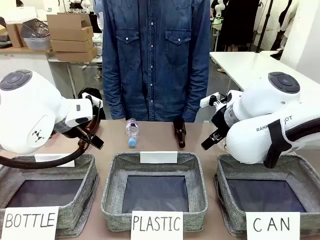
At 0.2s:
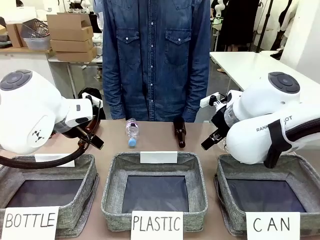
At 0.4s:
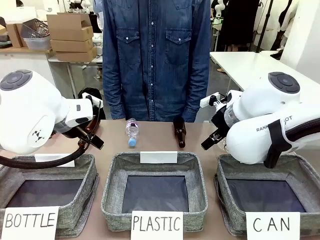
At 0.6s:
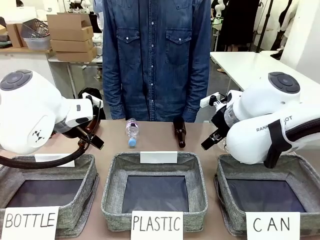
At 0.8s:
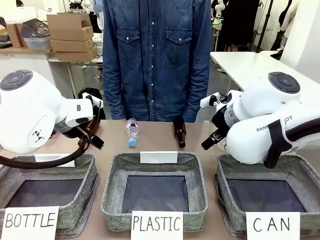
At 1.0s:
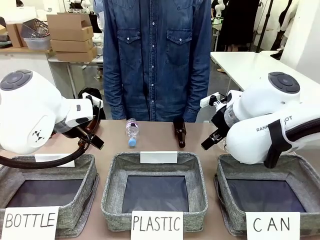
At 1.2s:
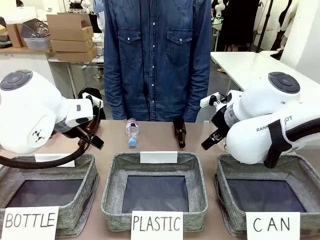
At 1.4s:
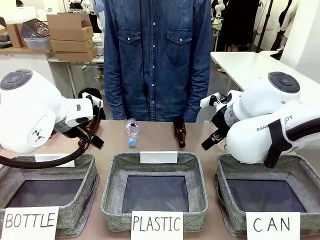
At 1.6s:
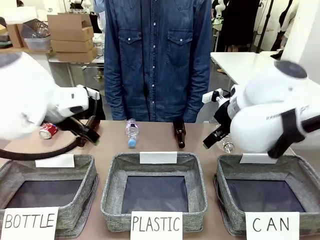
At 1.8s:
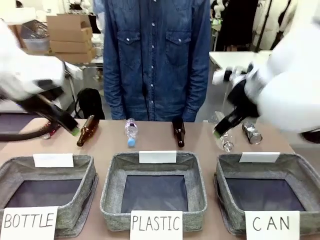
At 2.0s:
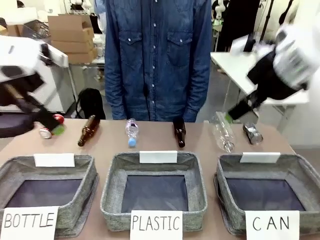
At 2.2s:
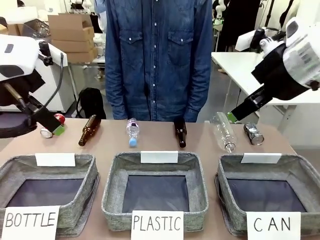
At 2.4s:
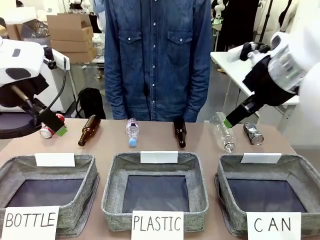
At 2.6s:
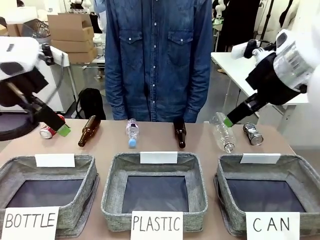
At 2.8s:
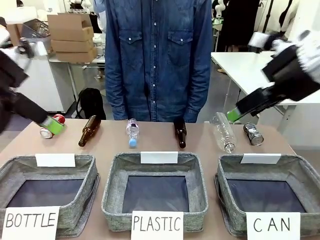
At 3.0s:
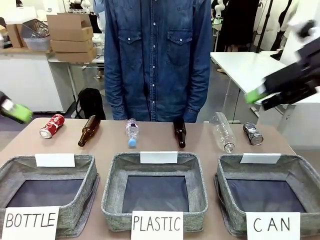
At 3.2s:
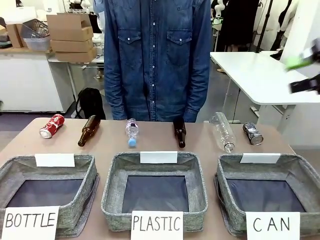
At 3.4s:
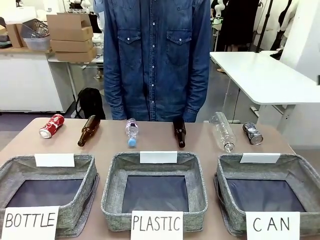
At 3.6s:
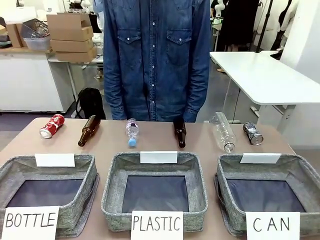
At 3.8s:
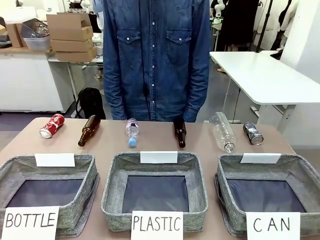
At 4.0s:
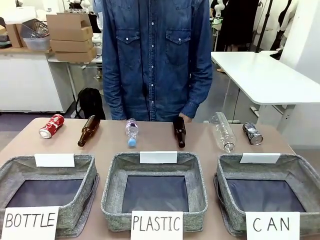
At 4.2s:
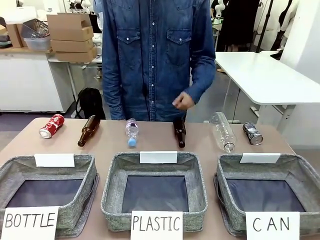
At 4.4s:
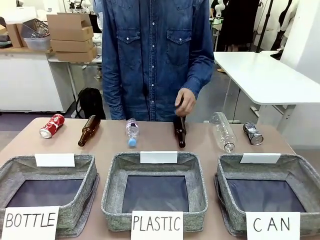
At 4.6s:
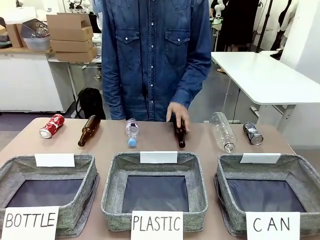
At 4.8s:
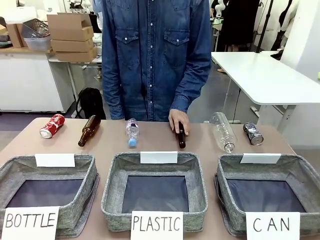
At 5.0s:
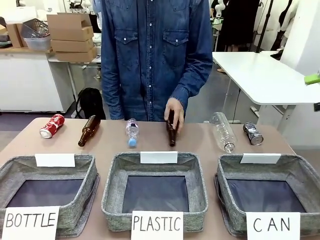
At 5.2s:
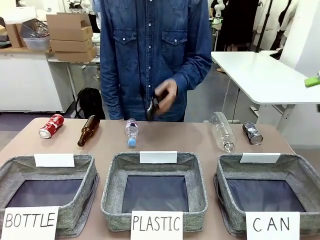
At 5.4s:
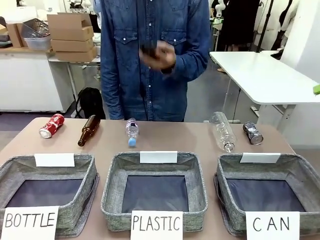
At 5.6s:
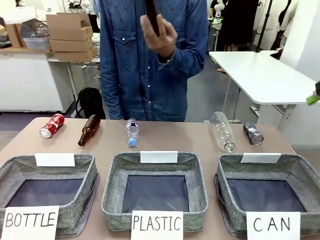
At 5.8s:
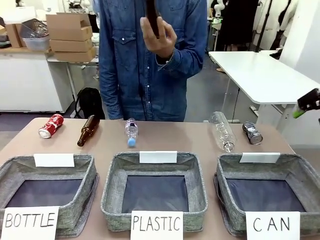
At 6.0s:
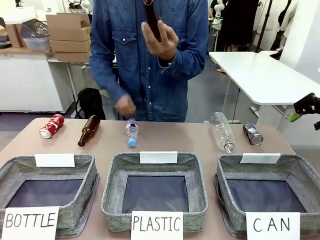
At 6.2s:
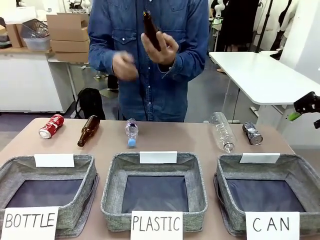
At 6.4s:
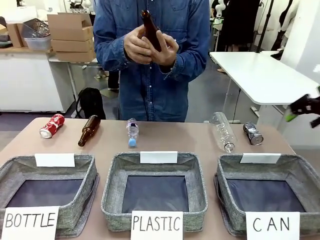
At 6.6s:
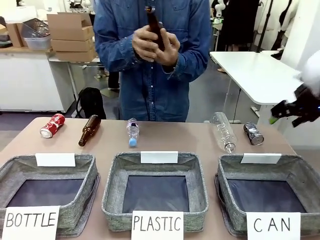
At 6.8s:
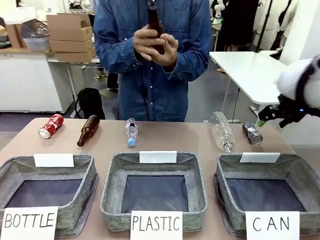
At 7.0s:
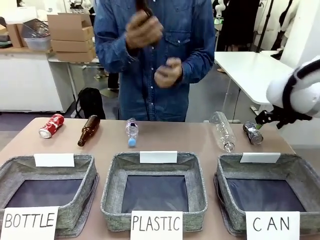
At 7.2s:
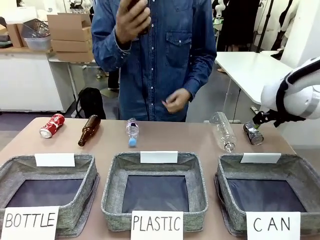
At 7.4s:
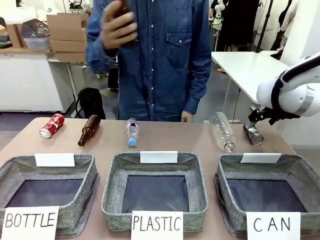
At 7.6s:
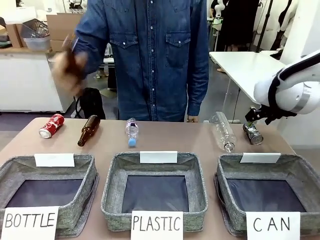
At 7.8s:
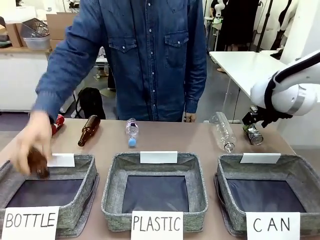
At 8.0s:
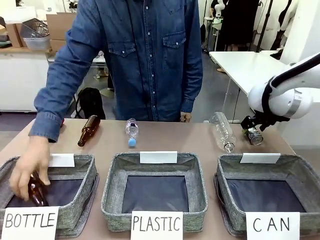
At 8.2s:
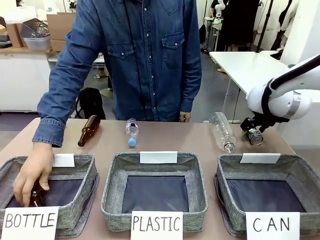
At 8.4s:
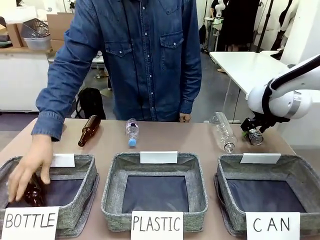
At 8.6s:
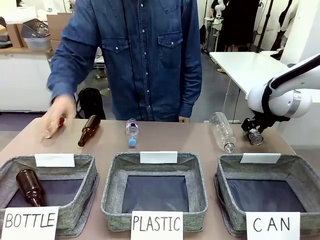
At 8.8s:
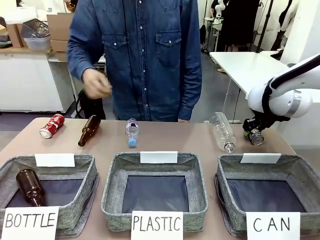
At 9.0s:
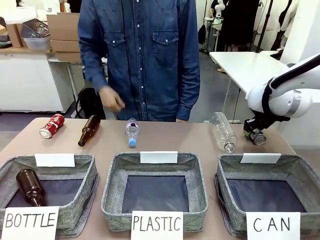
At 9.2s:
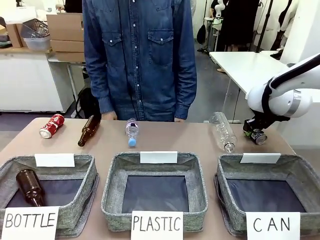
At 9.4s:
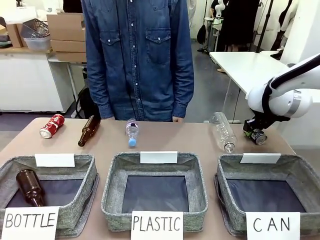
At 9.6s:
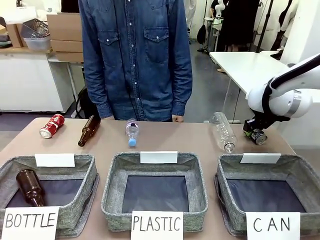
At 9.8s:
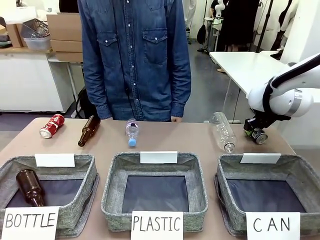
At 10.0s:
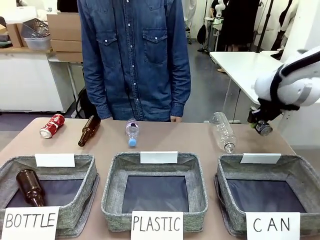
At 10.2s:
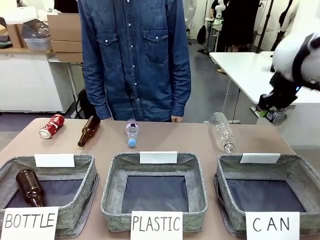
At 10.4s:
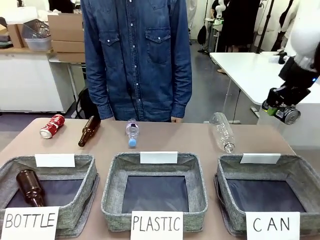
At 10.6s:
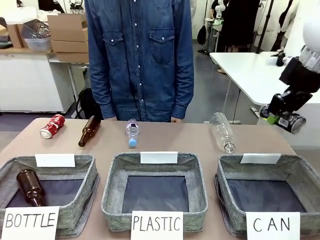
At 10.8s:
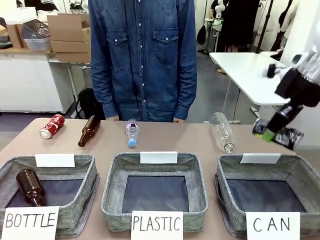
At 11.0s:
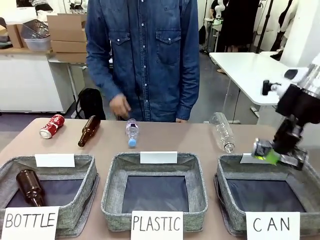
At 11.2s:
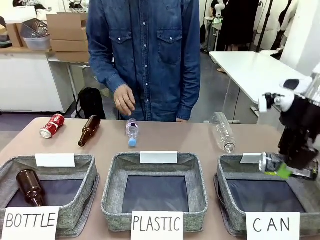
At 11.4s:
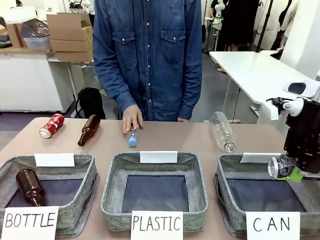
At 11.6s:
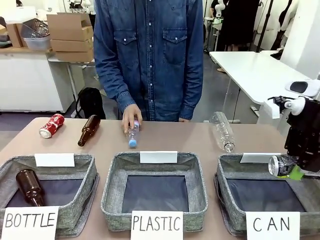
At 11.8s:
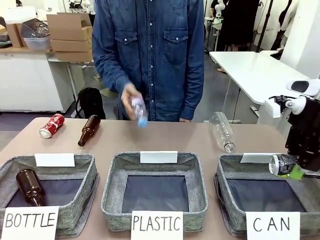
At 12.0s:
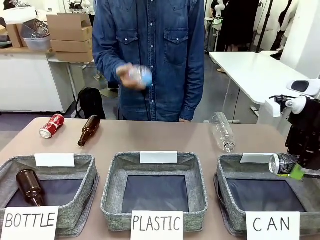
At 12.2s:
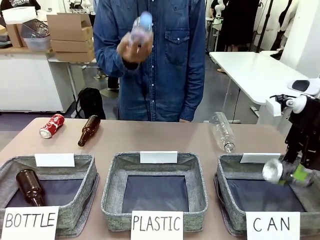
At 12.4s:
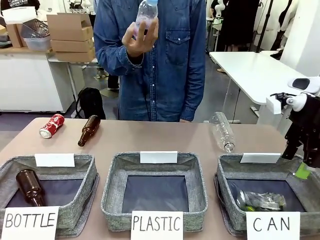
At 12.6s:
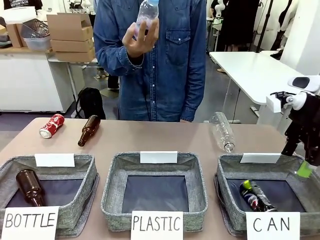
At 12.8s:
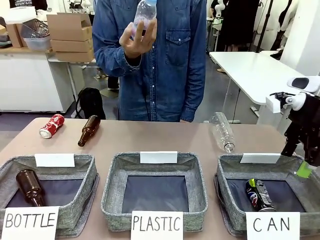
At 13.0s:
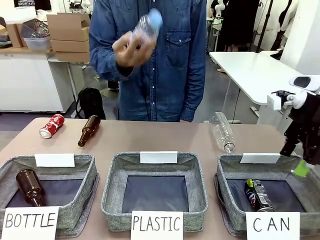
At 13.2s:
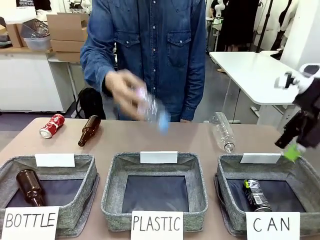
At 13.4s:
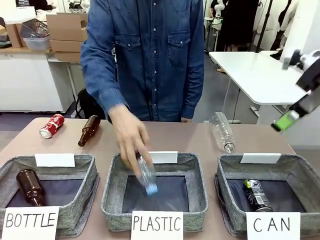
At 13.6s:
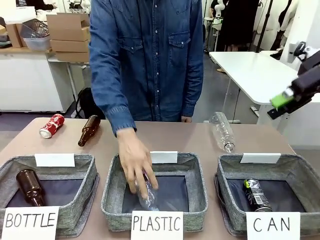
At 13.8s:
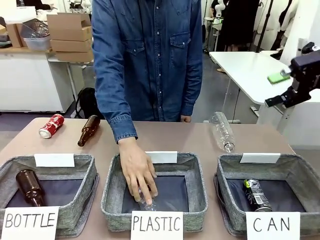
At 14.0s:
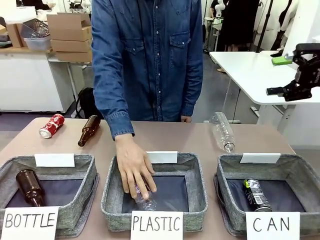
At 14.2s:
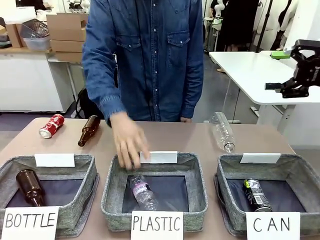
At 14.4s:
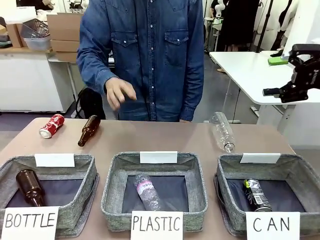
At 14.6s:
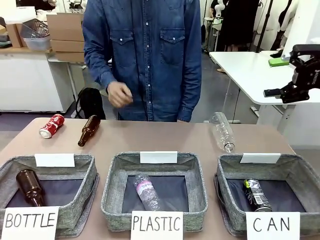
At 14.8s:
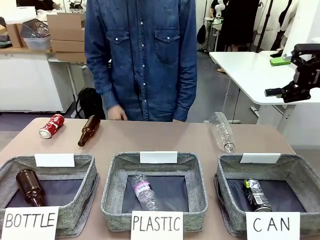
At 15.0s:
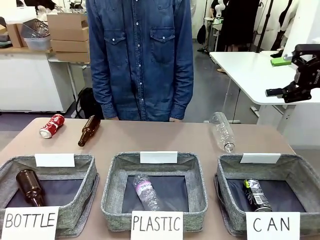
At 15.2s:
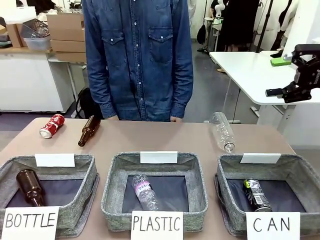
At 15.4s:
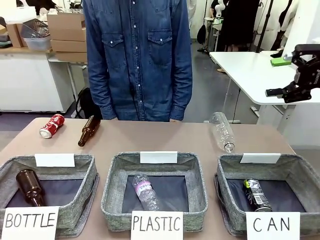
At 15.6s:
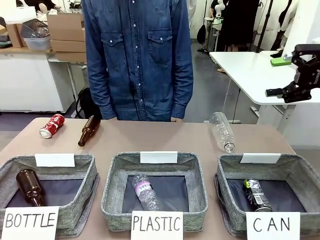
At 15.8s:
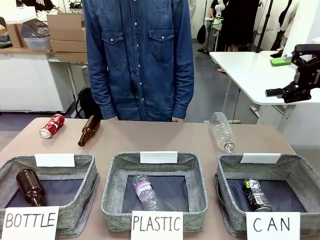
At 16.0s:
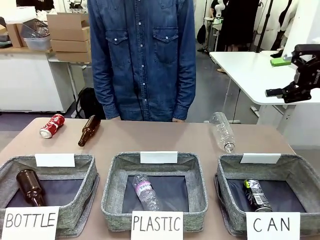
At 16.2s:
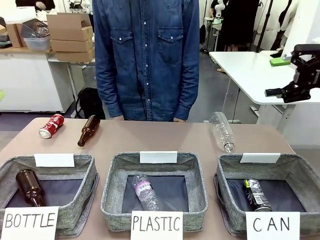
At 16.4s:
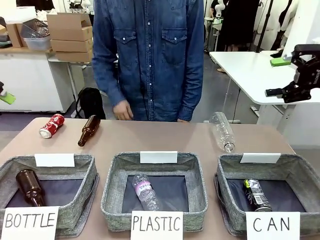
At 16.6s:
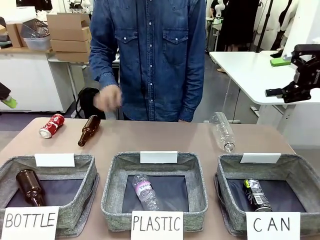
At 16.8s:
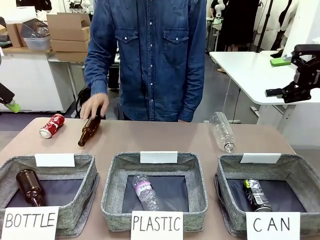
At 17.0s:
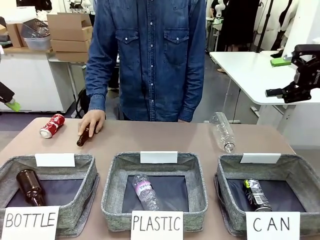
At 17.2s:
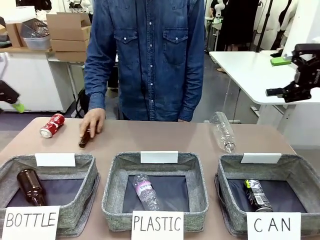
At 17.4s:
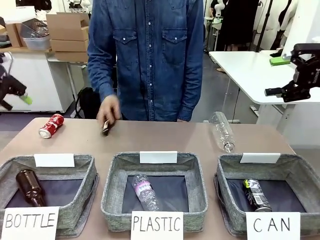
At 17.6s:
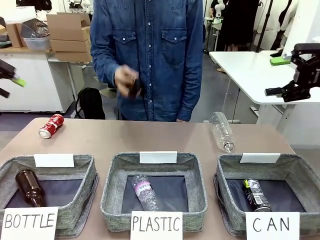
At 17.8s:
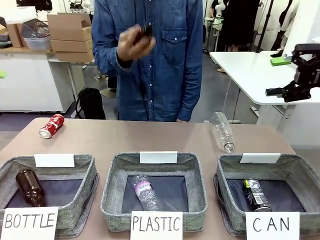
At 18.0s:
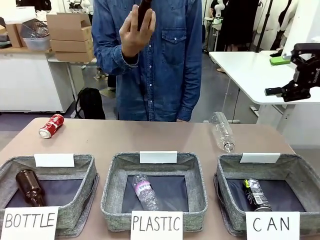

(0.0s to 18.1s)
Task: Sort the can waste into the basket.
Robot: Pick up the can waste from the table and place it in the right Fabric basket.
